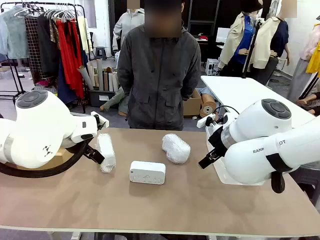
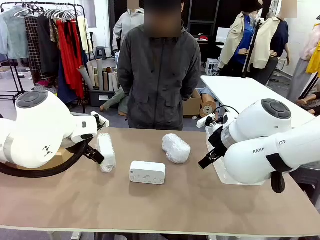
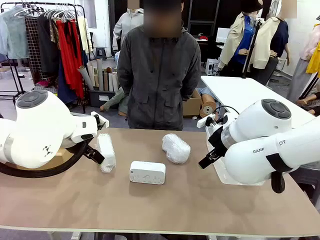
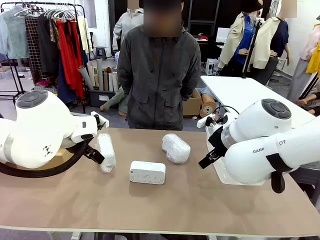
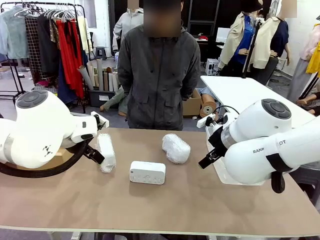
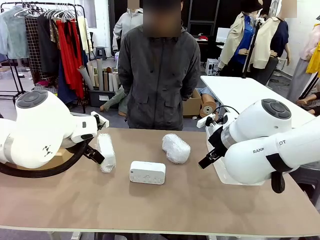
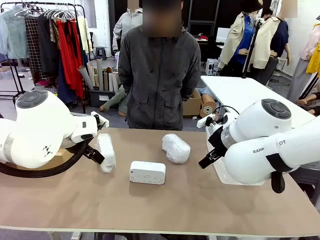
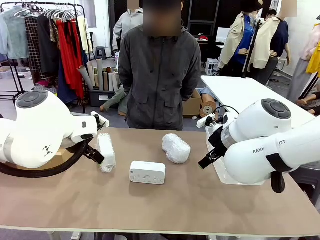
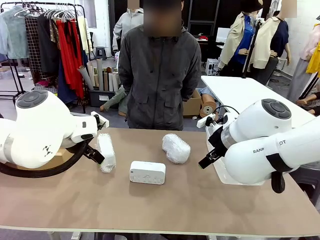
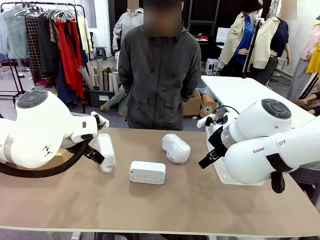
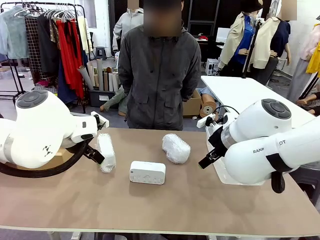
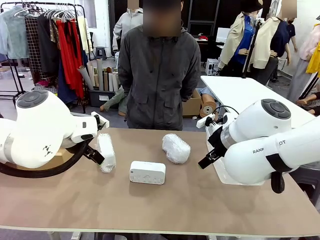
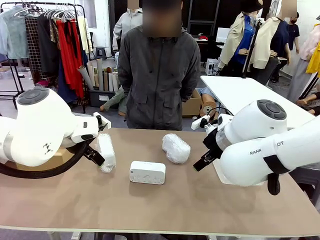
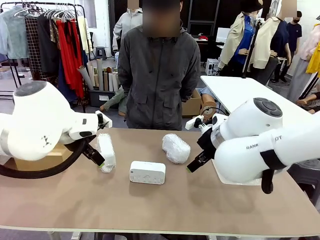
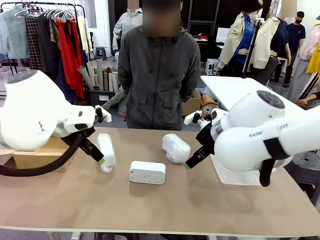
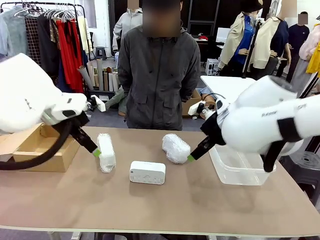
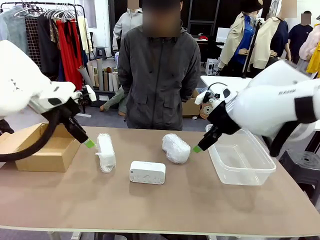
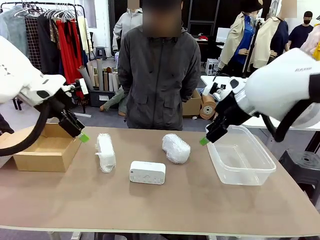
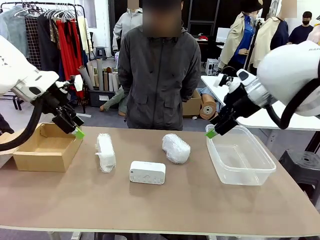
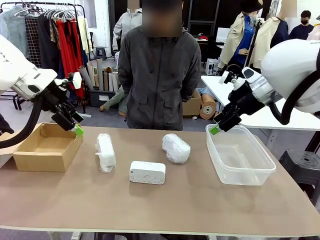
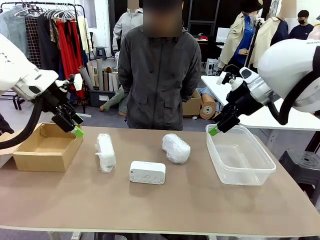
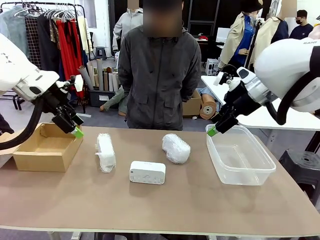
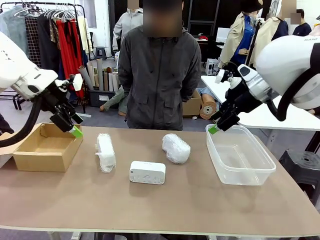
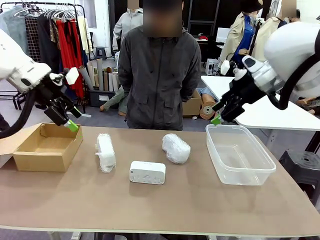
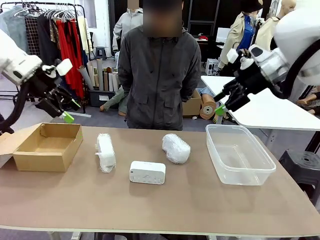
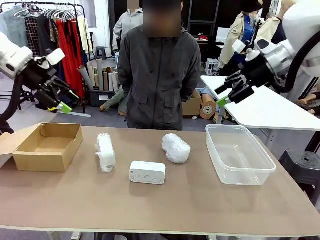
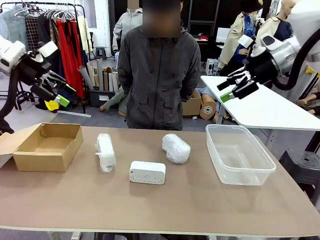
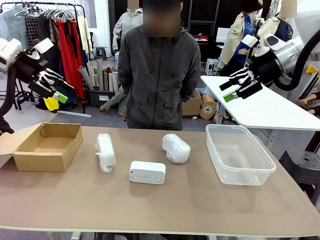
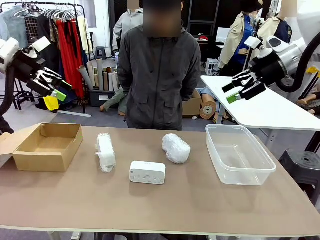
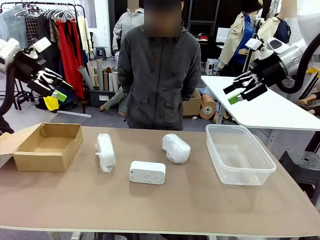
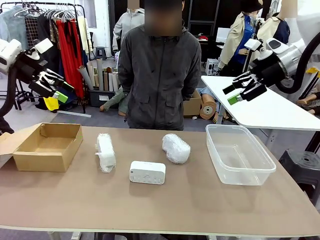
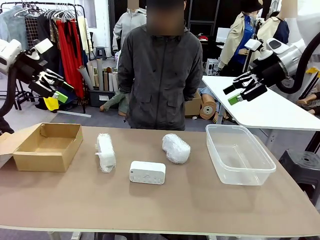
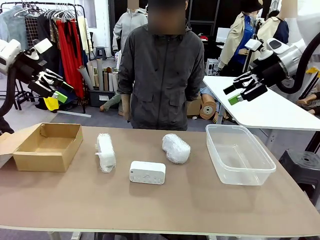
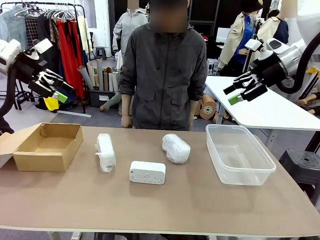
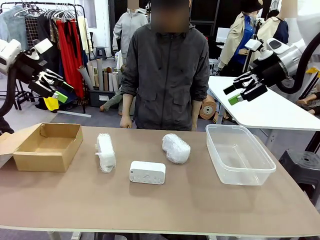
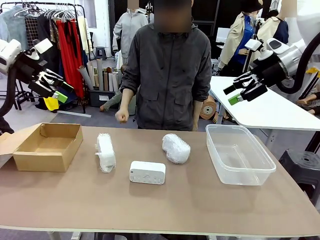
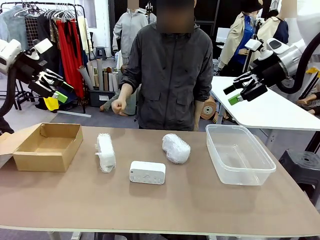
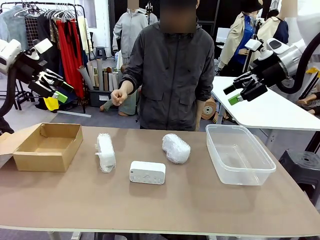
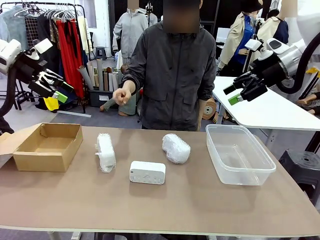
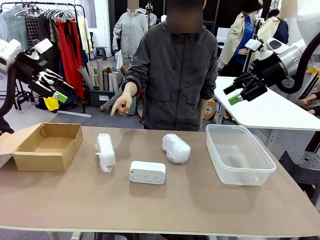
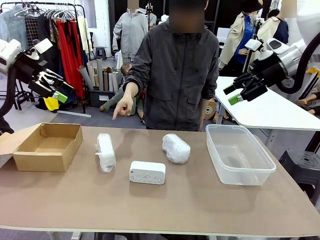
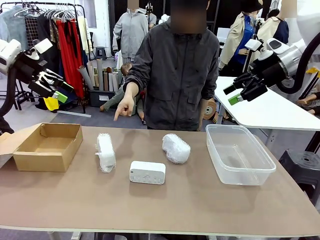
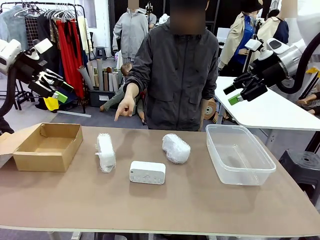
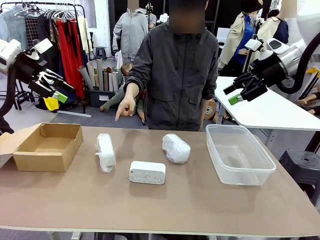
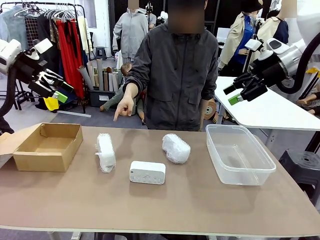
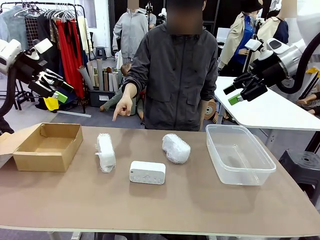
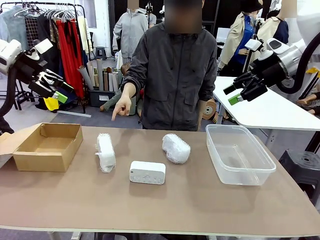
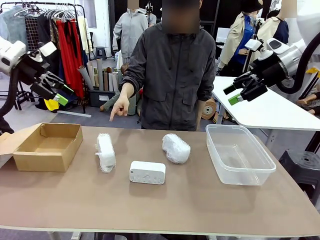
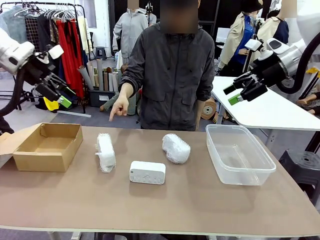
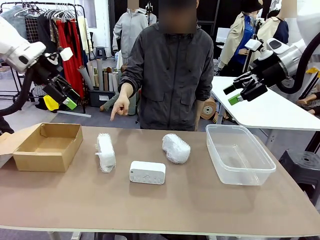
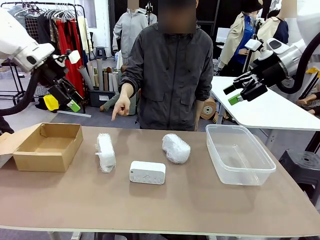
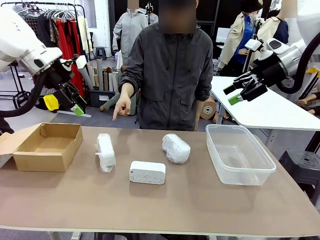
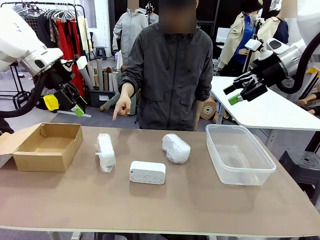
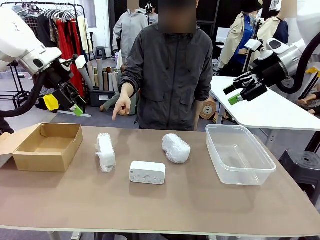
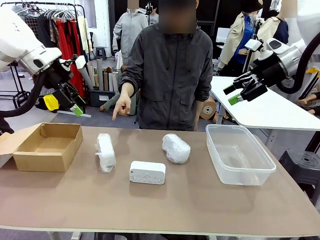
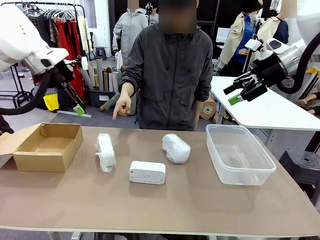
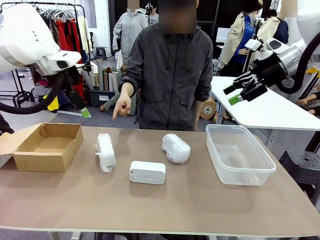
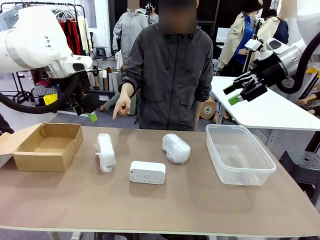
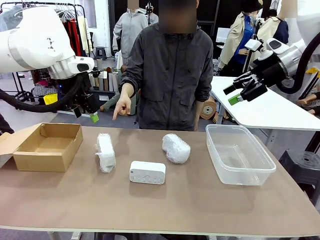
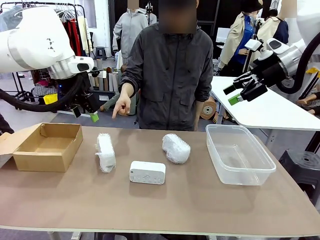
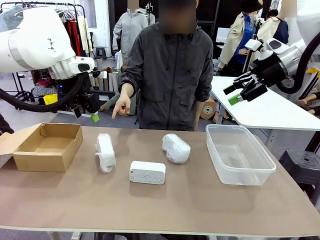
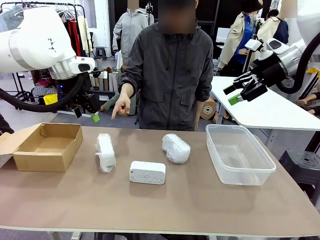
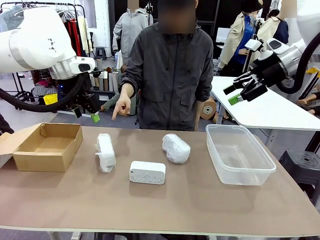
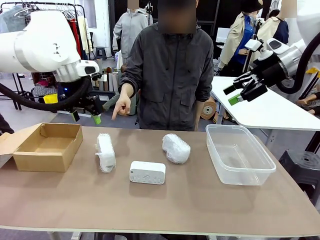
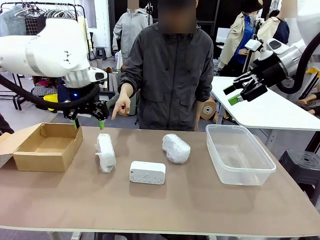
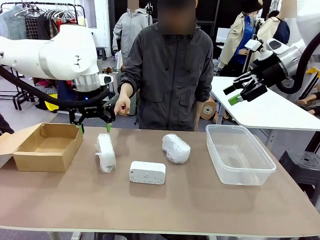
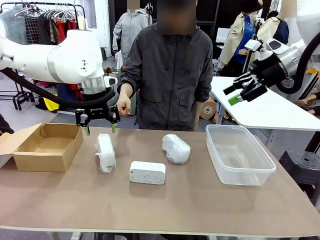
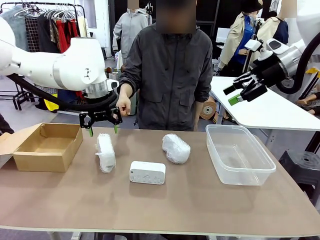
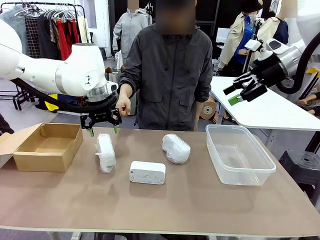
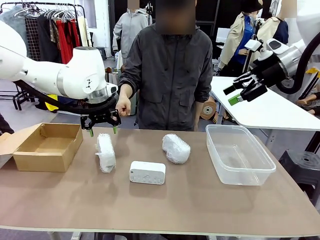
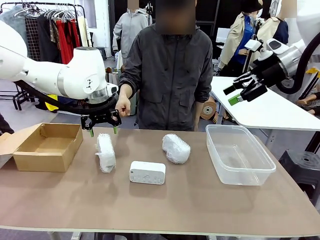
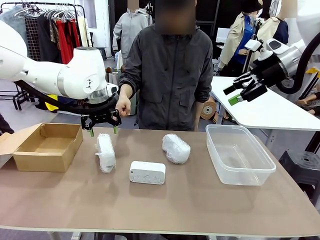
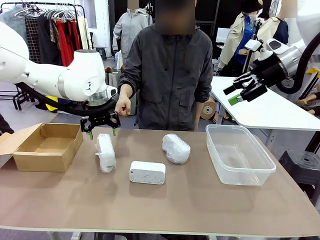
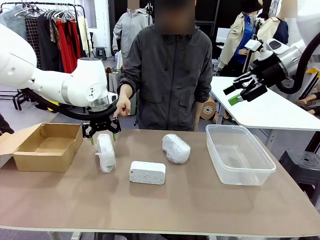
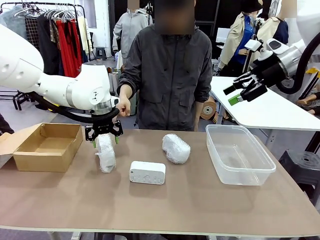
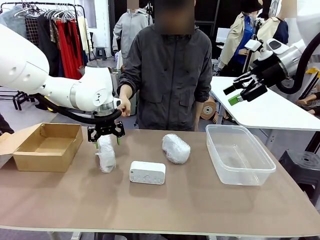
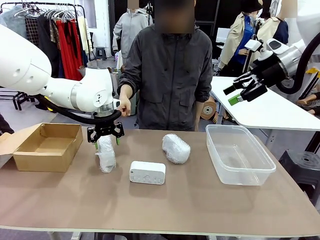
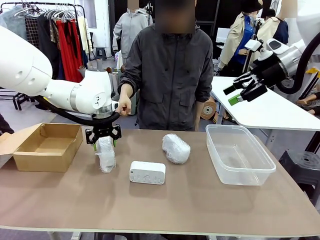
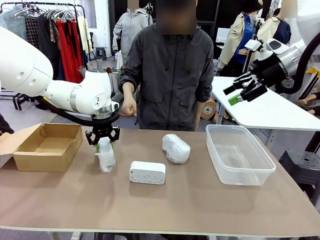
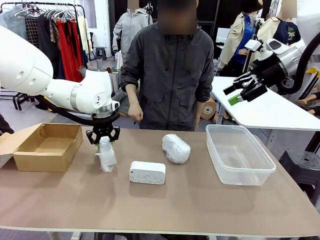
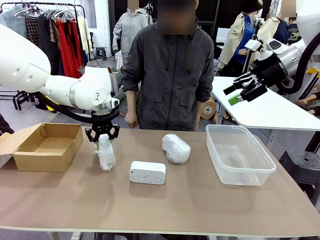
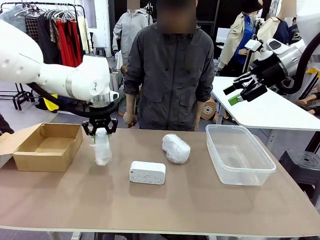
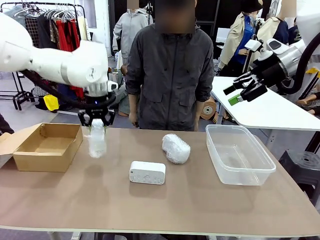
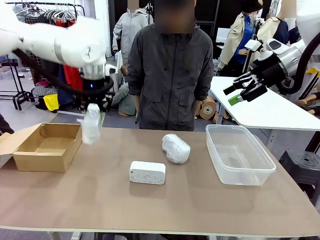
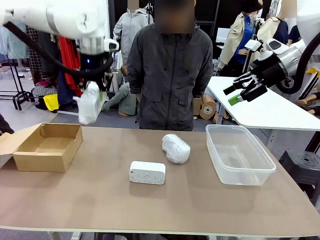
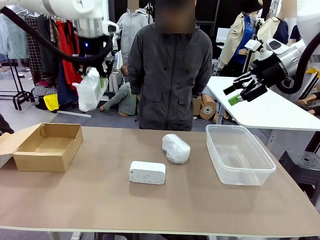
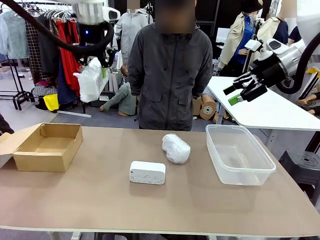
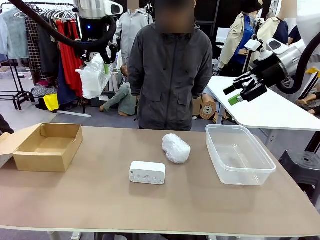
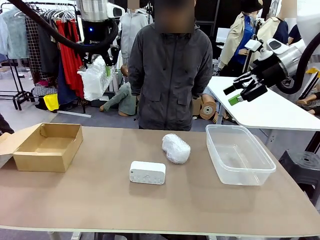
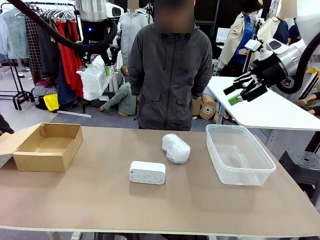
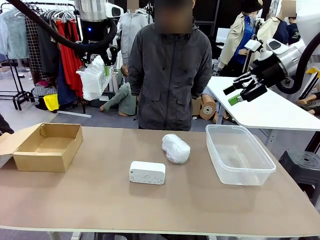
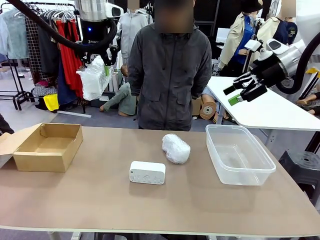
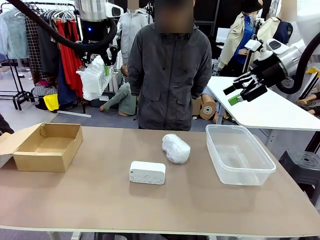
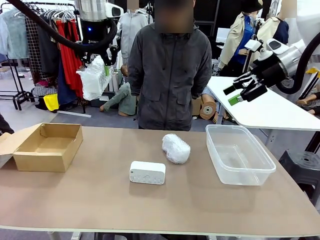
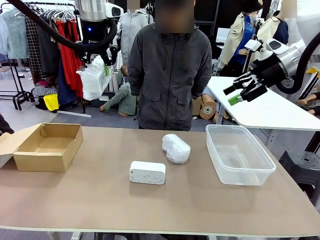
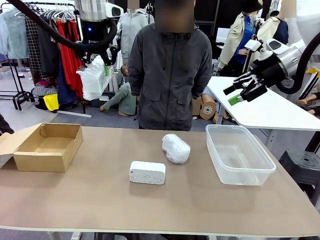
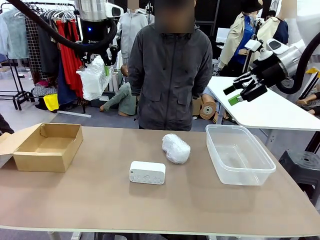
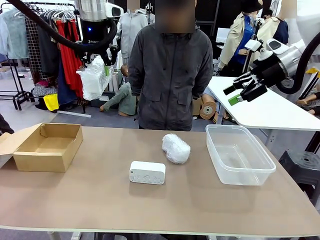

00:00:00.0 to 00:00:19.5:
Task: Separate and place wrapped and unwrapped clocks.
Robot: Pick up the Digital clock indicated by the person.
